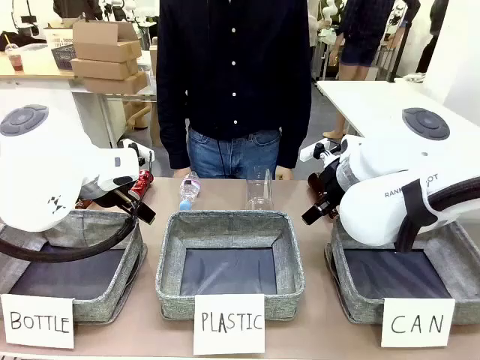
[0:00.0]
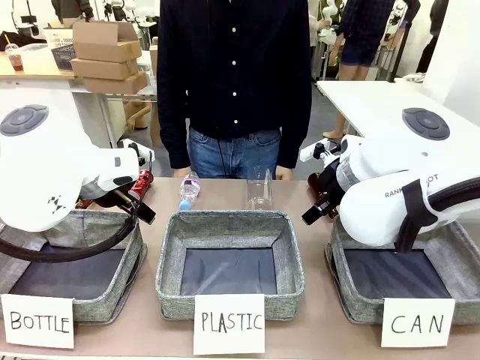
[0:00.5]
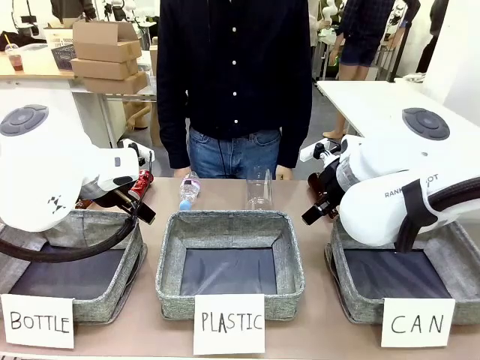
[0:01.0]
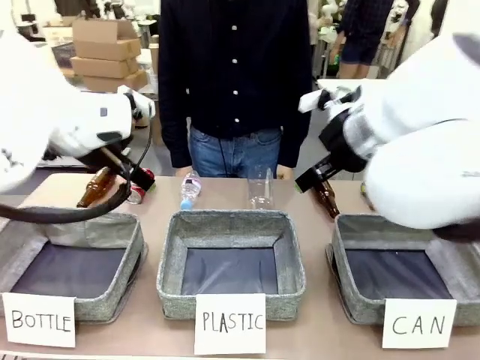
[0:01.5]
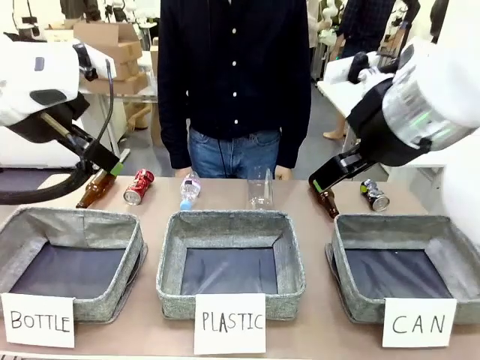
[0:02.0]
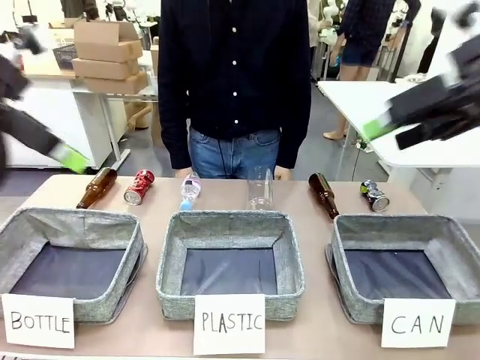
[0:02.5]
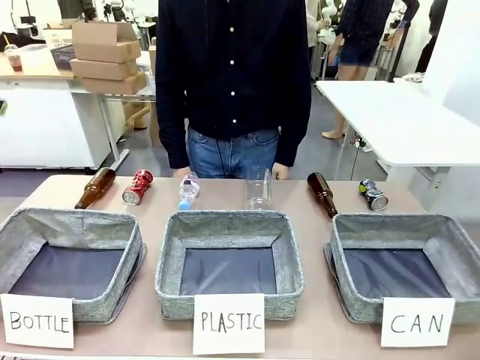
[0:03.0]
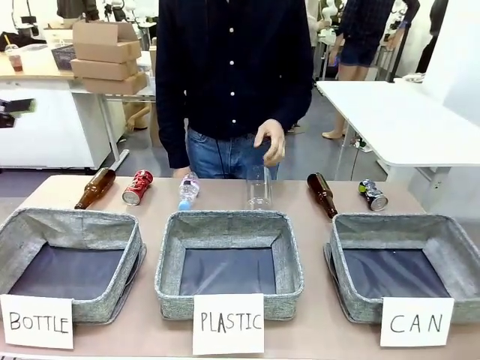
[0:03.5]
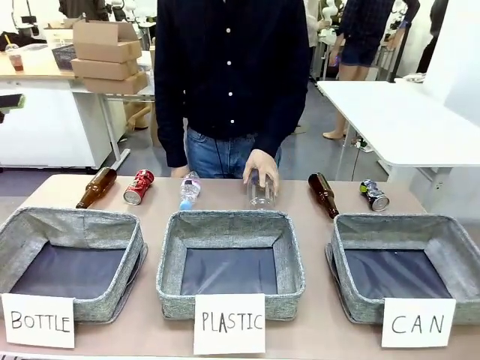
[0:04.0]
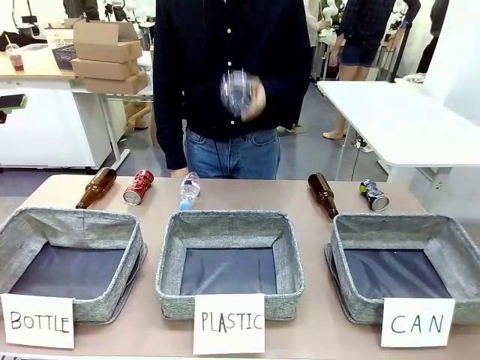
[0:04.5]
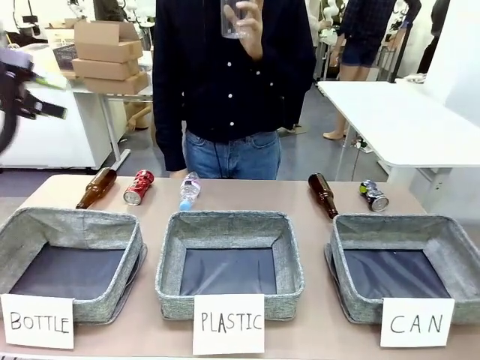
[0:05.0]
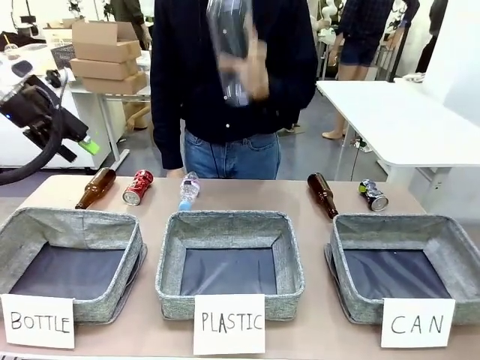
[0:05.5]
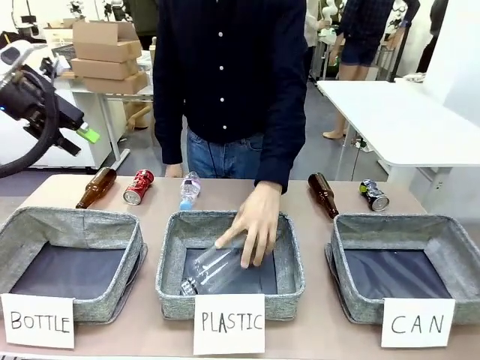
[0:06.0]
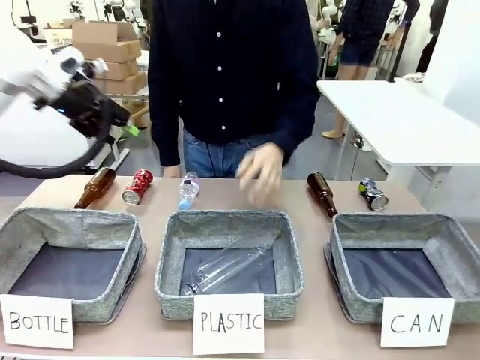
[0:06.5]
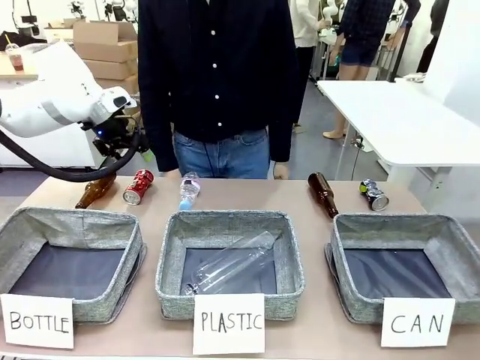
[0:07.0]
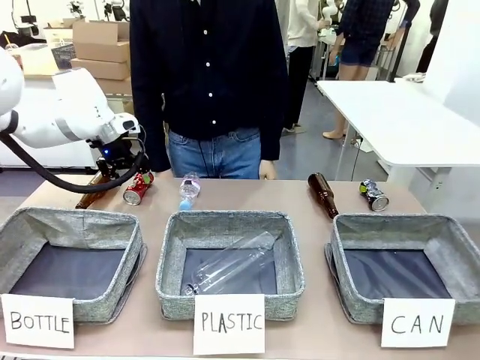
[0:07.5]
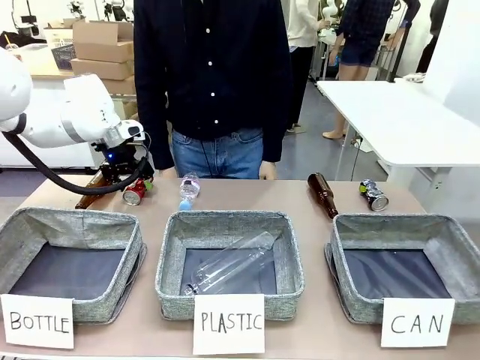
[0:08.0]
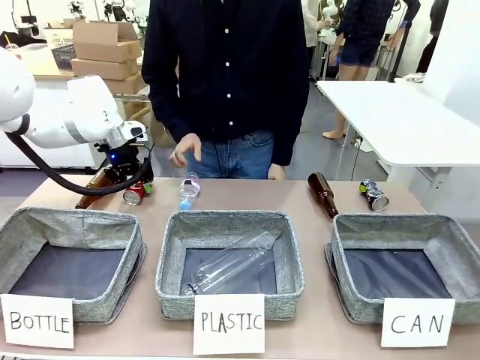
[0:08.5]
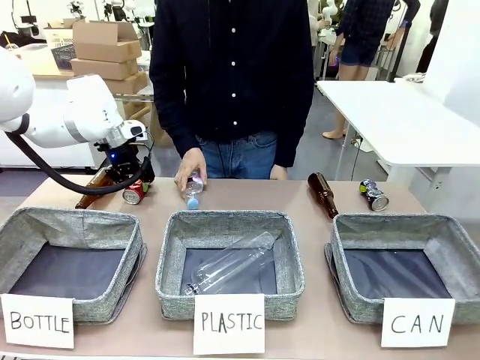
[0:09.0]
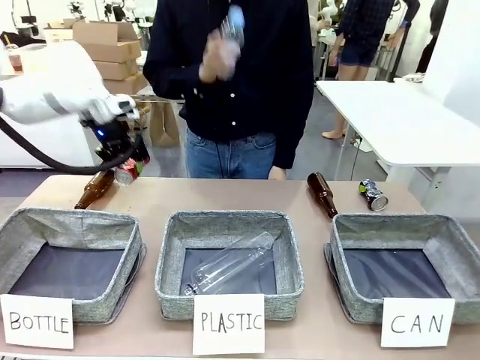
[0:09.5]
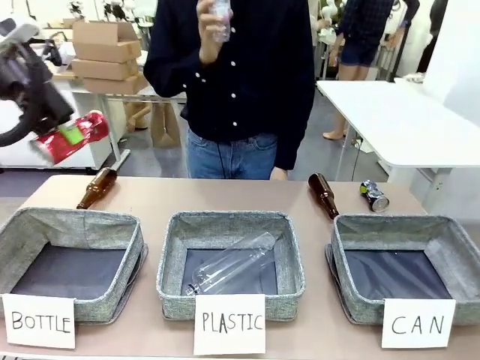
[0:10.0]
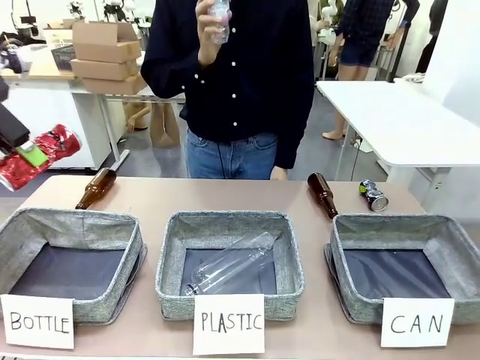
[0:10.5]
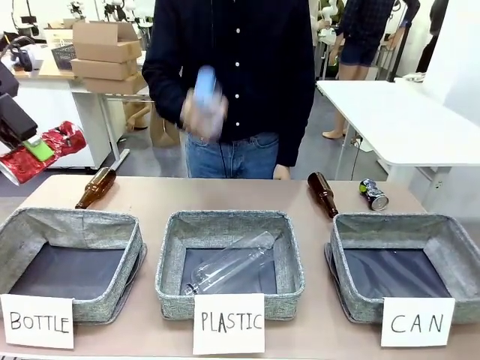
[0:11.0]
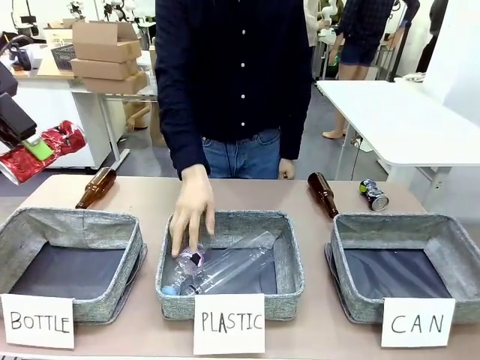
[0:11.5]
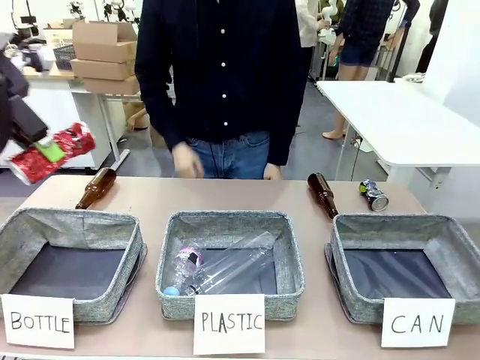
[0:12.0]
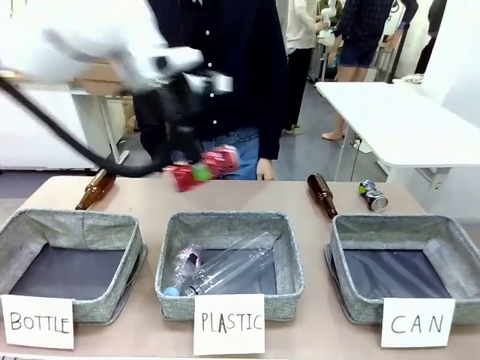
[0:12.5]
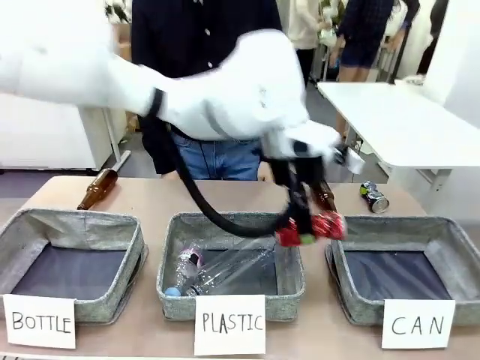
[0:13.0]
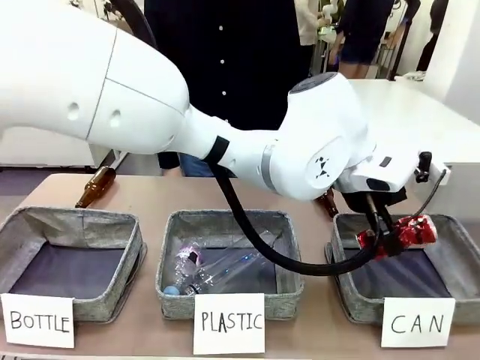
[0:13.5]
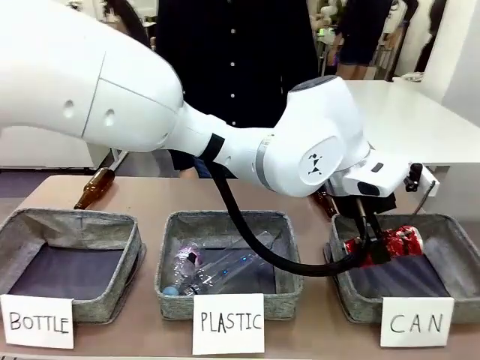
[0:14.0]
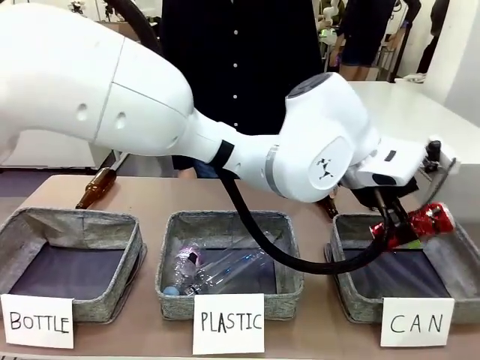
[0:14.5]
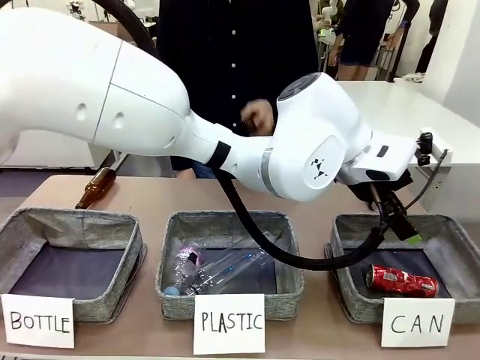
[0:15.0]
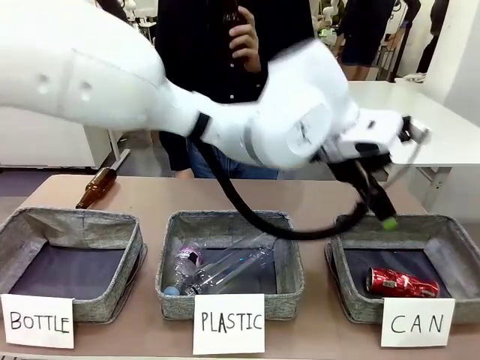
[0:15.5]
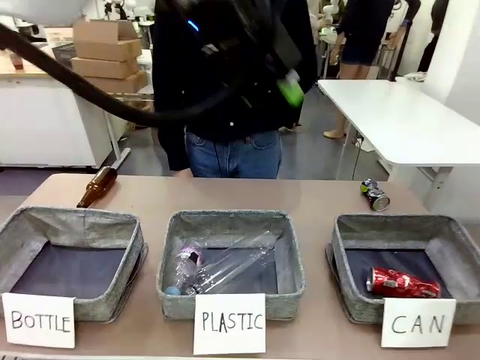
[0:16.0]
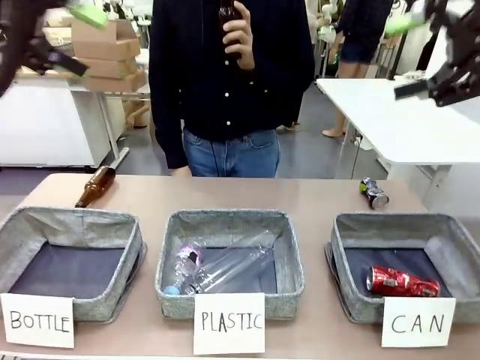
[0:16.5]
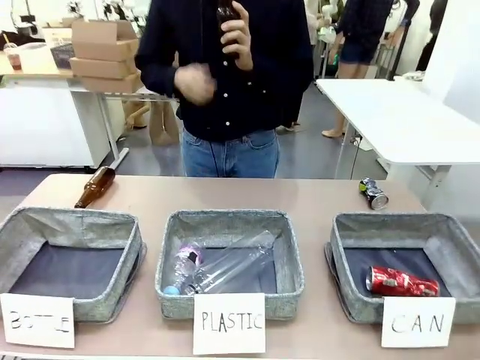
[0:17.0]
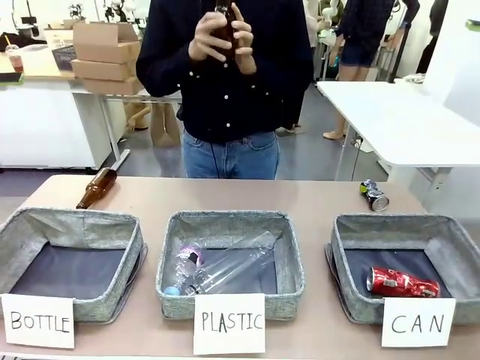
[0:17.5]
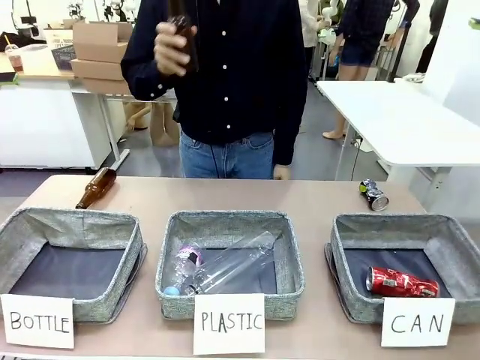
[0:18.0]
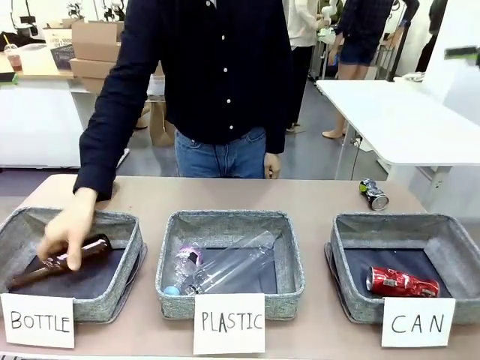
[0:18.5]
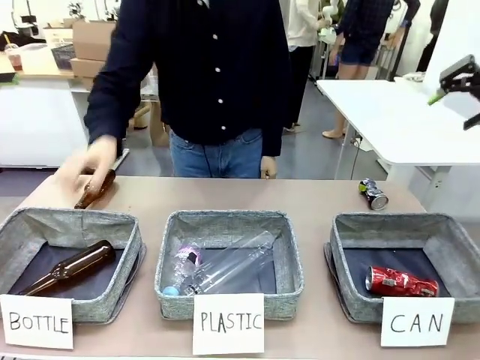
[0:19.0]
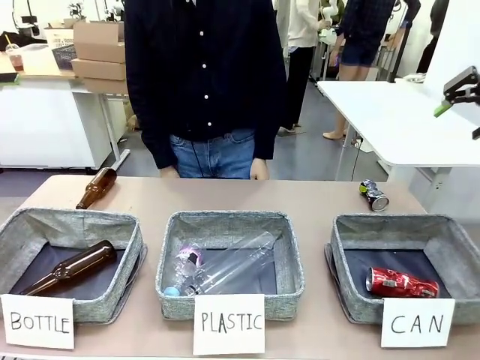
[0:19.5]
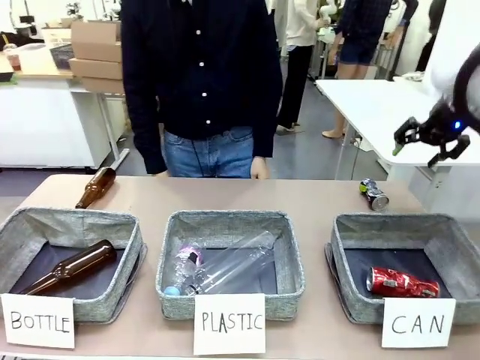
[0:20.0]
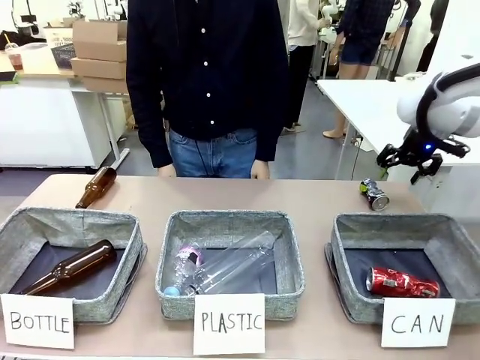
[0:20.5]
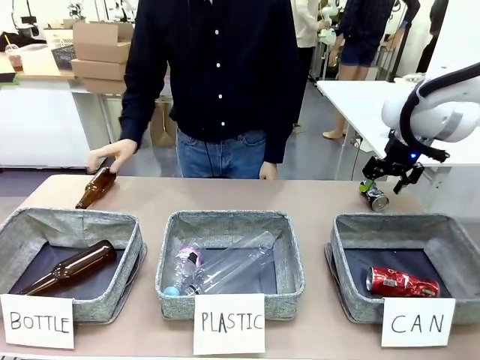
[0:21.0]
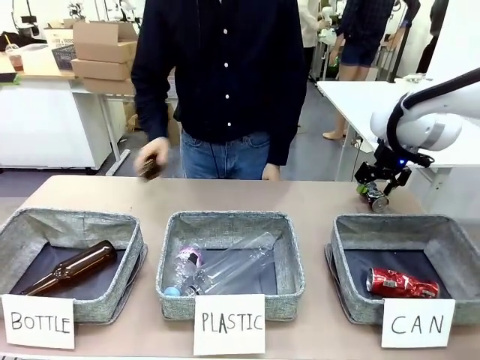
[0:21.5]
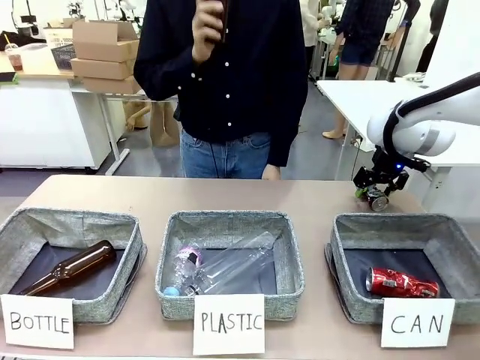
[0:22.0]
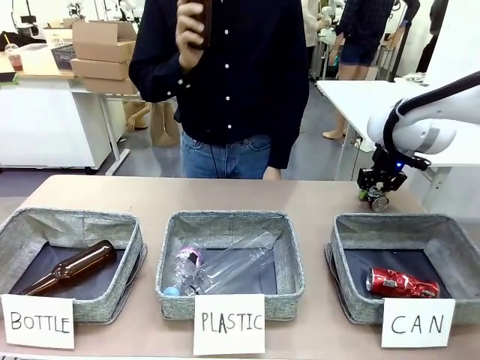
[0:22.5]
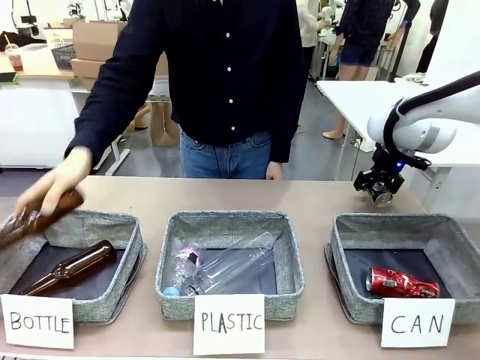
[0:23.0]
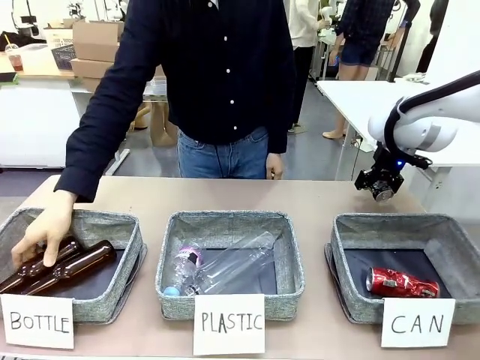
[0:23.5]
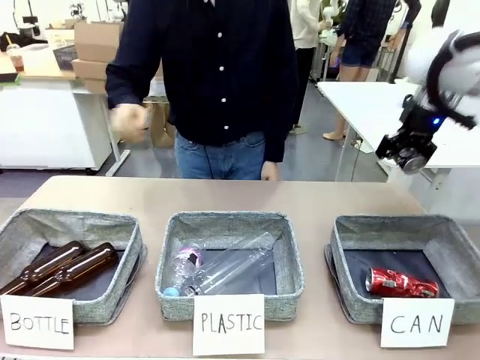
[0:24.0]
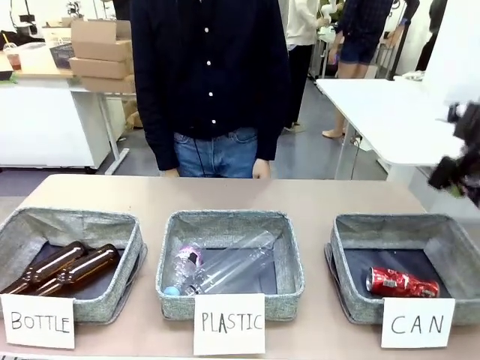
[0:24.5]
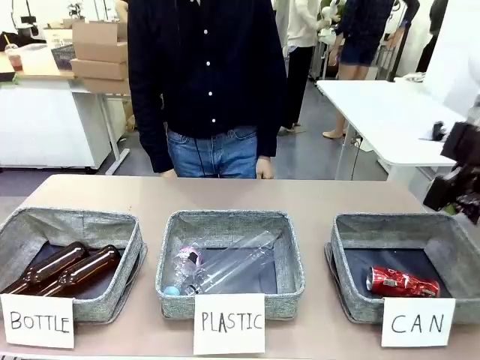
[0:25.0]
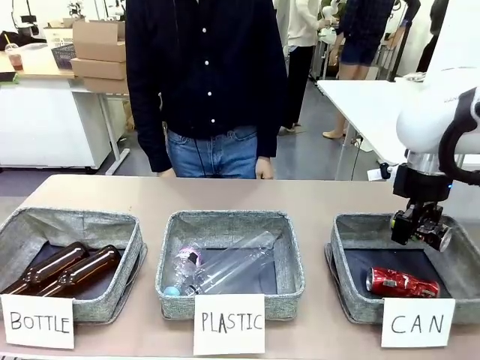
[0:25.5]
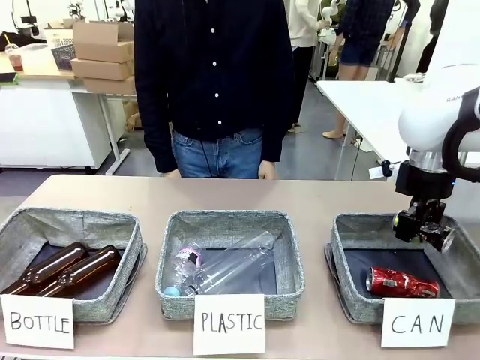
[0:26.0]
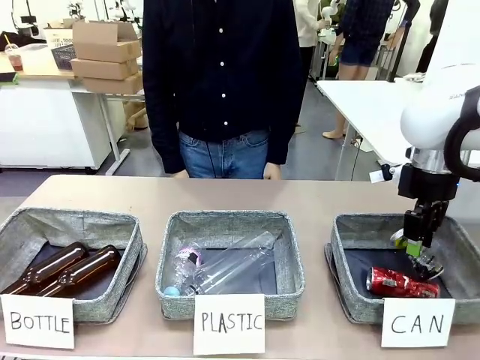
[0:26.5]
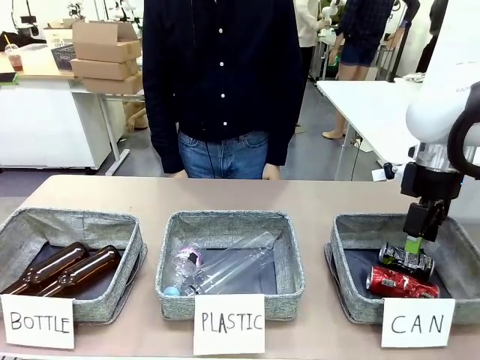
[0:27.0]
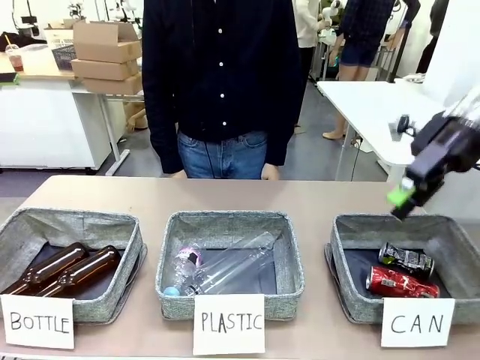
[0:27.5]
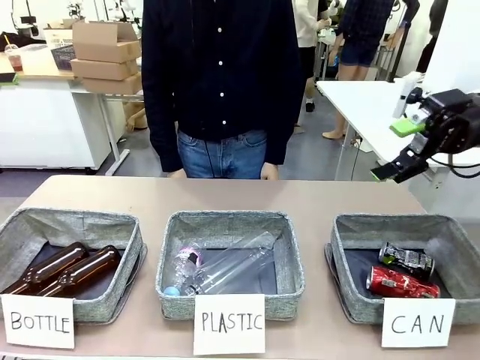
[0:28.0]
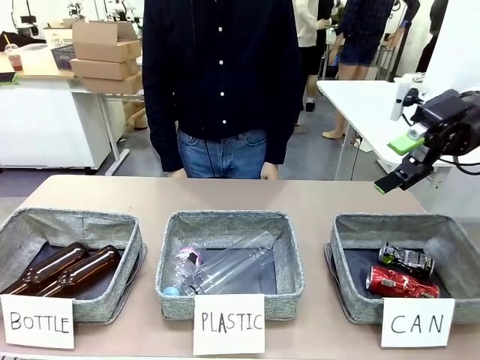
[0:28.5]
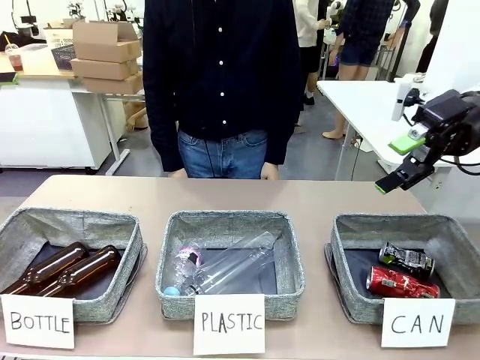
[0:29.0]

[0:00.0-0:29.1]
Task: Sort the can waste into the basket.
Robot: Pick up the can waste from the table and place it in the right Fabric basket.
Person: The human picks up one piece of trash that is not a can and places the trash into the appropriate organizing basket.
